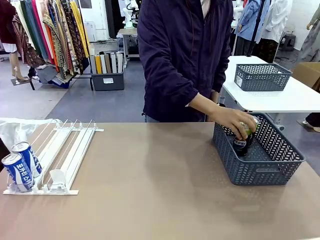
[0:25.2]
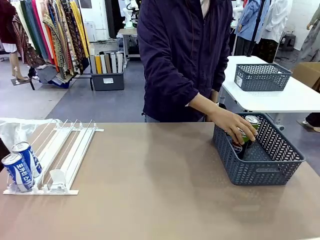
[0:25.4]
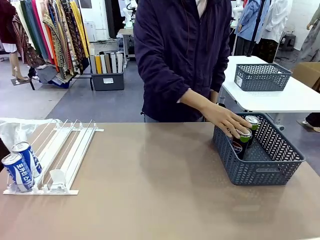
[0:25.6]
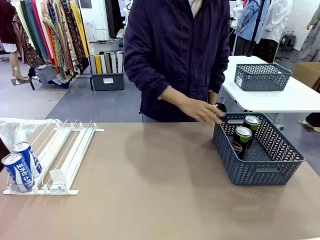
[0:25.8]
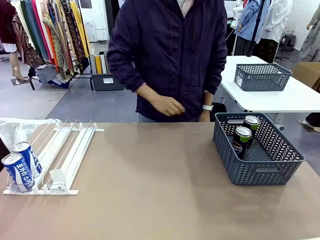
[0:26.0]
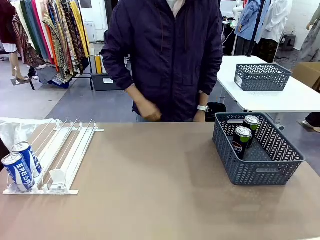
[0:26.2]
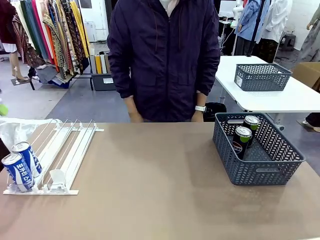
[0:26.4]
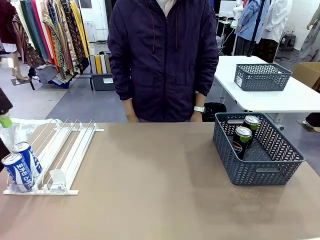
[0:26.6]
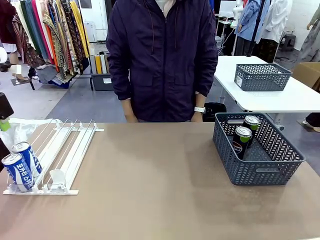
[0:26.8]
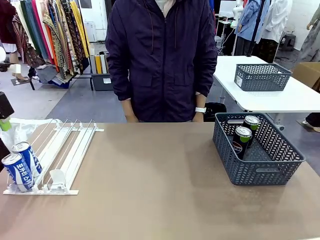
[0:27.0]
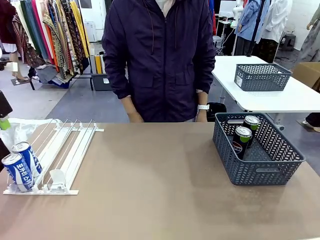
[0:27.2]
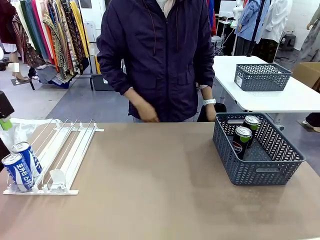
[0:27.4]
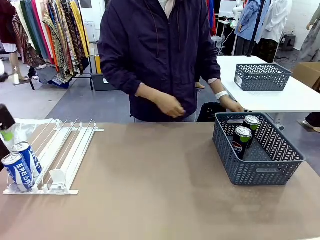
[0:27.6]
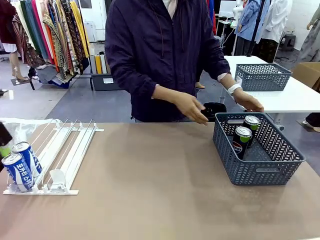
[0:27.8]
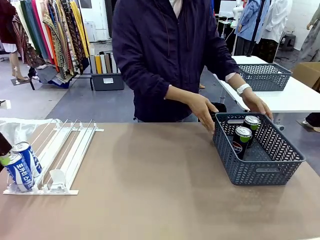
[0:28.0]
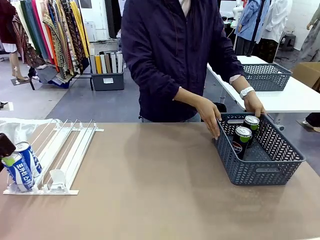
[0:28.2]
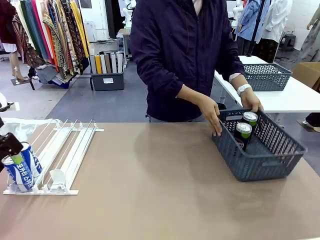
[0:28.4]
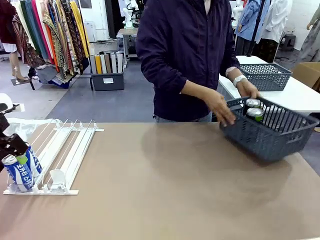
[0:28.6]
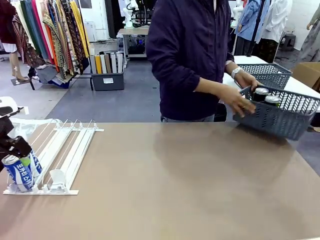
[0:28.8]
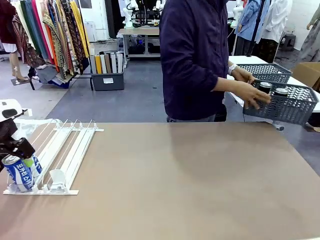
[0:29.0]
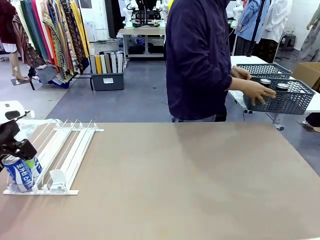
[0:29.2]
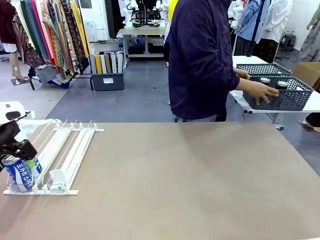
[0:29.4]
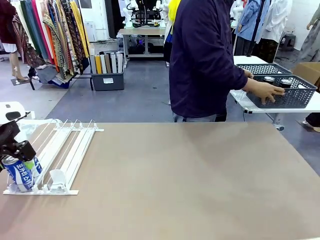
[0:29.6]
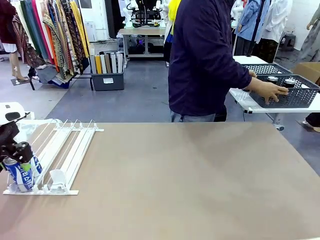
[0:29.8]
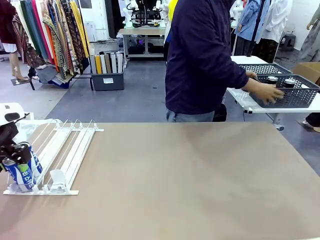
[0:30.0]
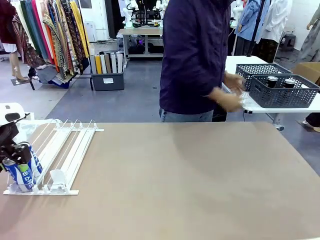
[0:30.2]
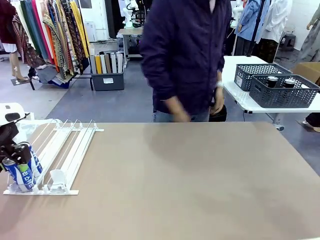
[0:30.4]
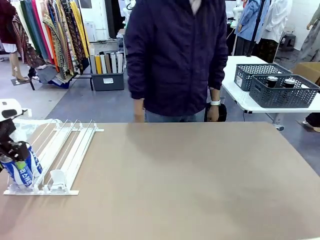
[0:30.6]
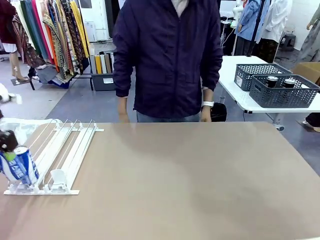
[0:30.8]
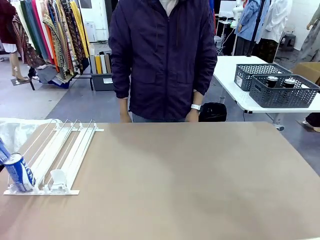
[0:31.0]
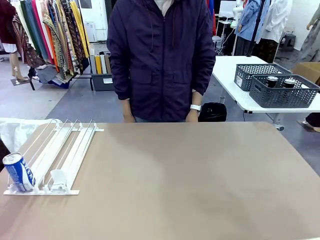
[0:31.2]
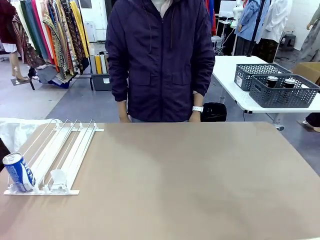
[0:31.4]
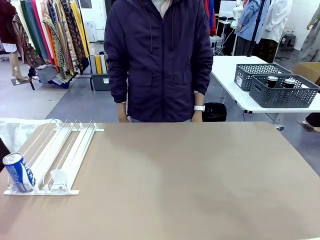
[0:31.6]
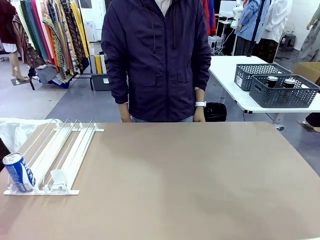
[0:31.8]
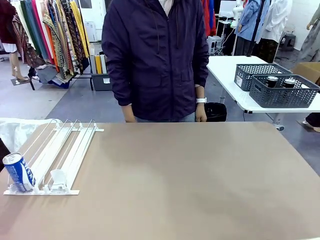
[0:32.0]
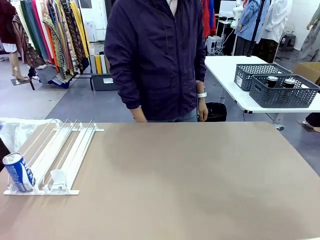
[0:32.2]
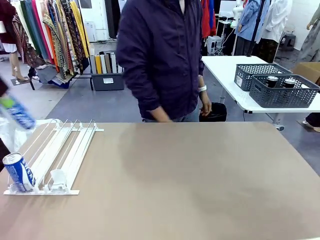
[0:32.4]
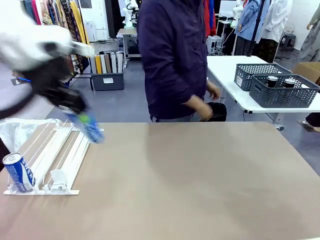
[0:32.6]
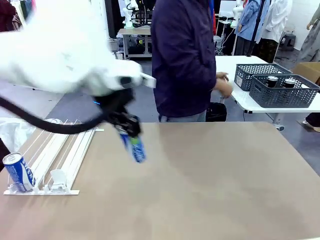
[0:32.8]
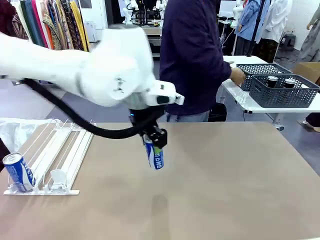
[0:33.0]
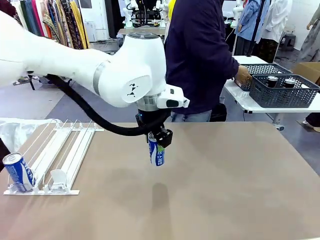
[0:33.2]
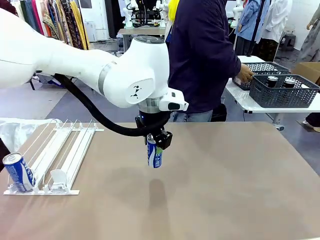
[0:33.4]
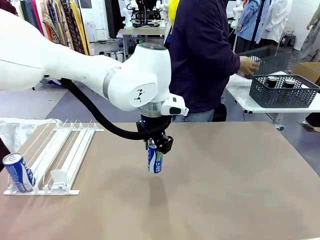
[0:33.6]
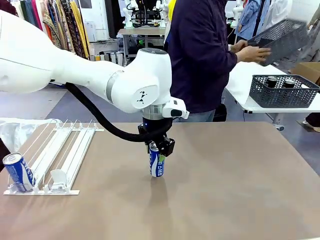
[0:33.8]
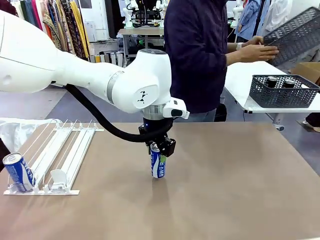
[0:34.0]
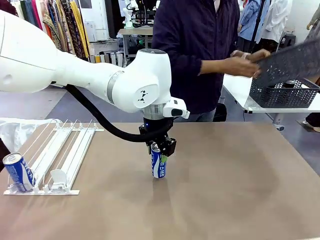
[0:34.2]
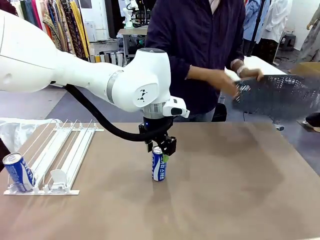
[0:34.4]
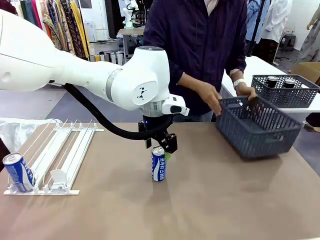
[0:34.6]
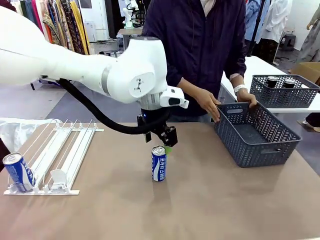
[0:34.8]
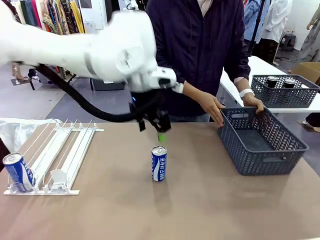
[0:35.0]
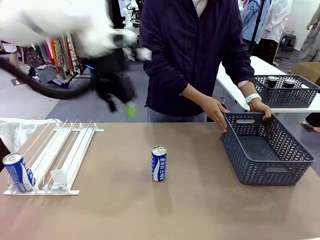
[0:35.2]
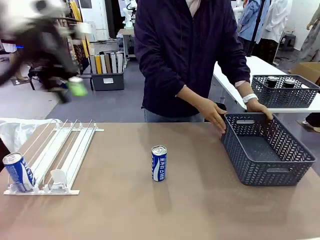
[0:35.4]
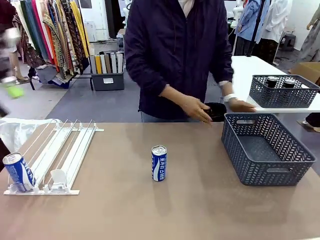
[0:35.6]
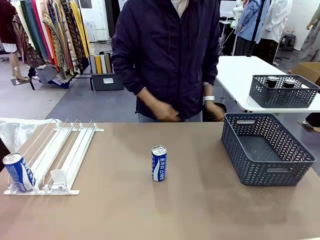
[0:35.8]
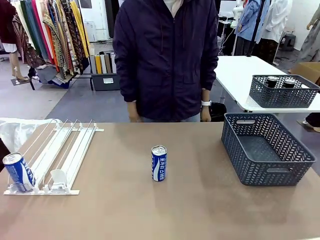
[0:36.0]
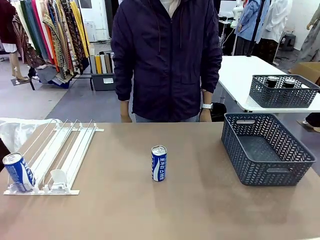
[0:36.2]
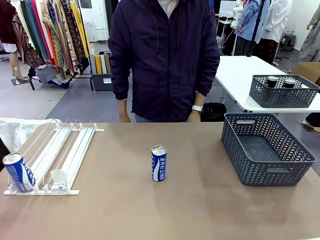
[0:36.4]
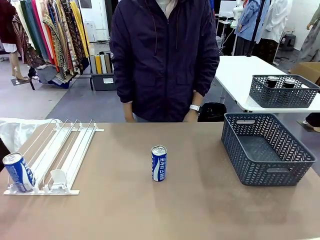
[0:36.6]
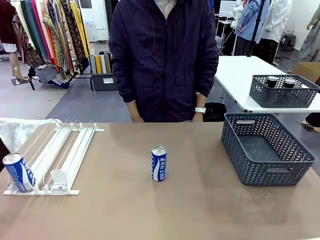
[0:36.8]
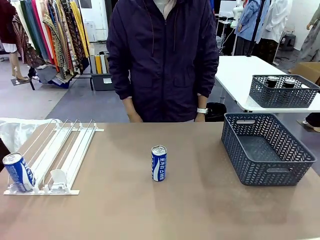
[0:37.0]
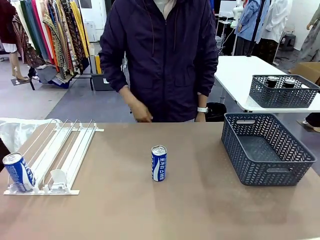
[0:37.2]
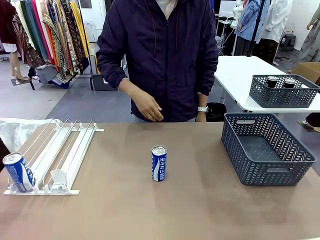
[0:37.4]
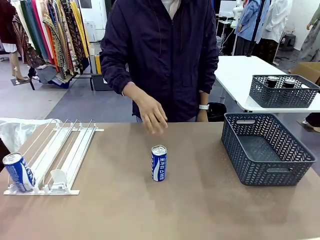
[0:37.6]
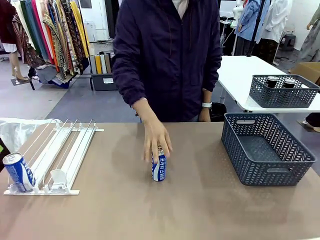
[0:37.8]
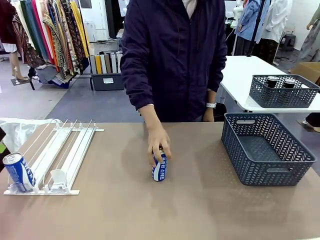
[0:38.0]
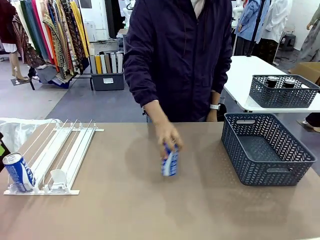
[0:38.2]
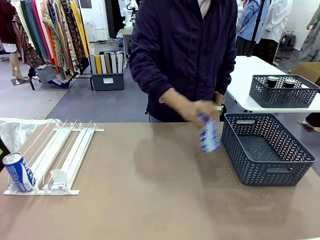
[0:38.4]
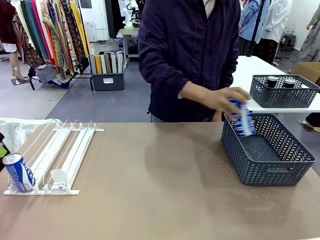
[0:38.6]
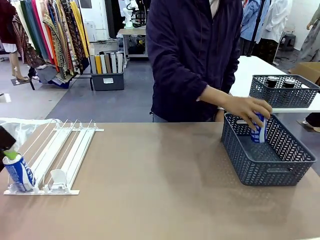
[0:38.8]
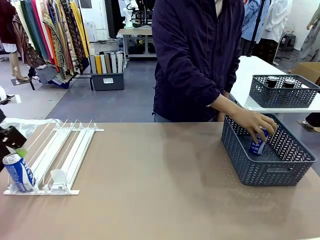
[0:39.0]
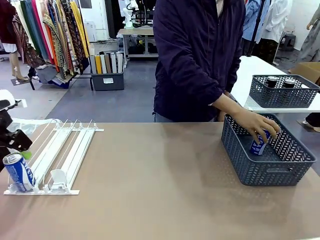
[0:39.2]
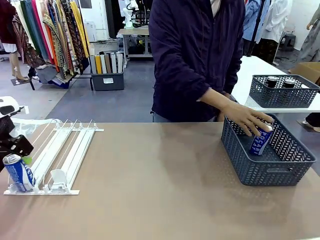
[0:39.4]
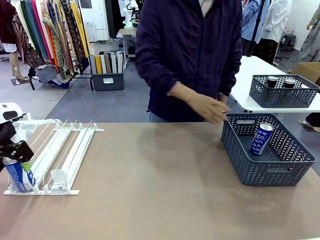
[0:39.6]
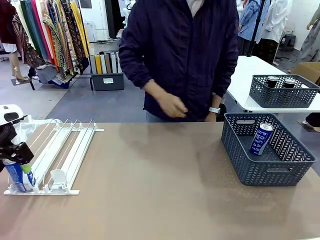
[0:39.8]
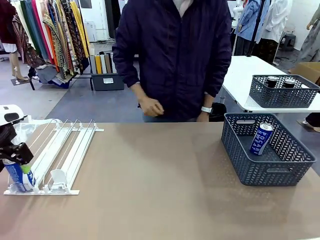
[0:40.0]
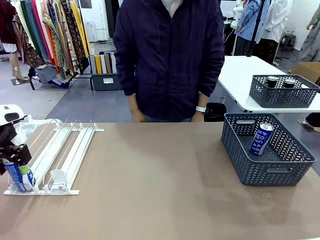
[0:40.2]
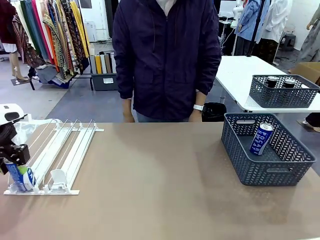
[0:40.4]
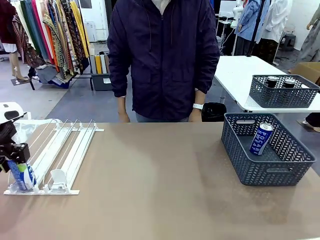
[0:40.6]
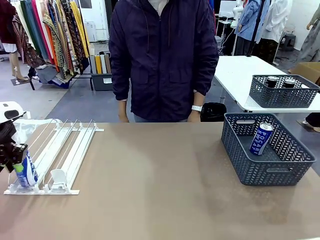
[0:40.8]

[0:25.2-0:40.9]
Task: Retrieve and store the cans from the dispenser.
Robot: Pick up one can from the Automatic Can Dispenser and place it in the middle of the table.
Person: Pick up the basket and place it in the middle of the human table. Pick up the empty basket and place it on the left side of the robot table.
